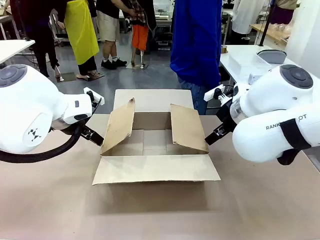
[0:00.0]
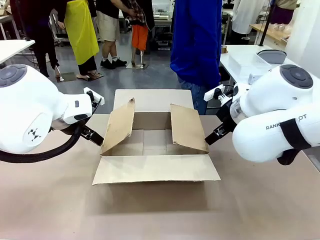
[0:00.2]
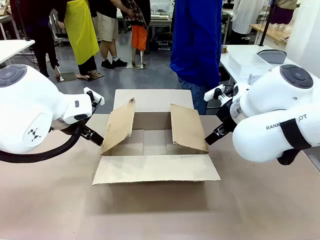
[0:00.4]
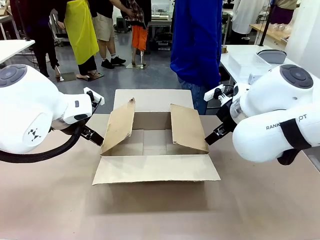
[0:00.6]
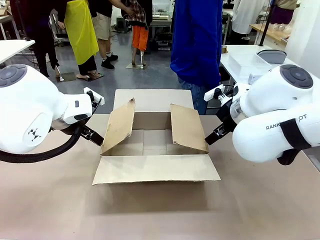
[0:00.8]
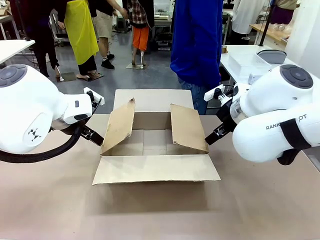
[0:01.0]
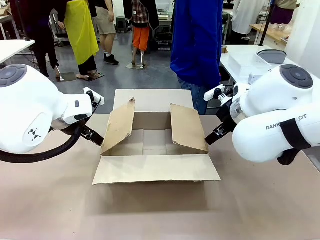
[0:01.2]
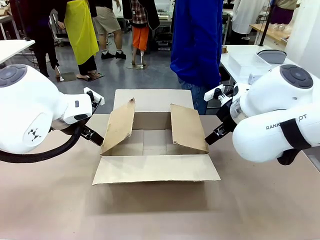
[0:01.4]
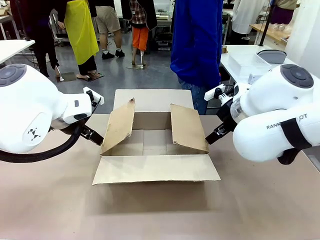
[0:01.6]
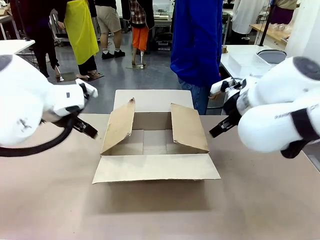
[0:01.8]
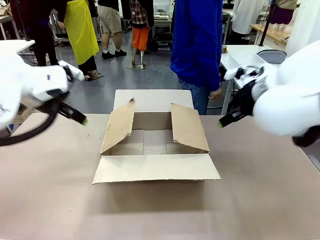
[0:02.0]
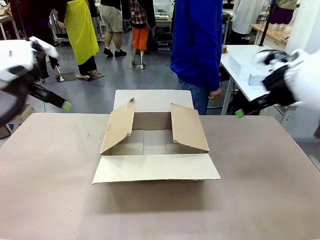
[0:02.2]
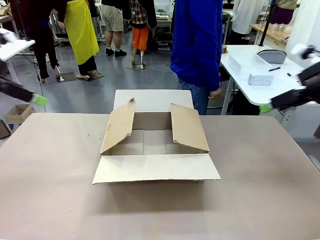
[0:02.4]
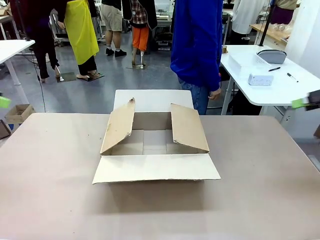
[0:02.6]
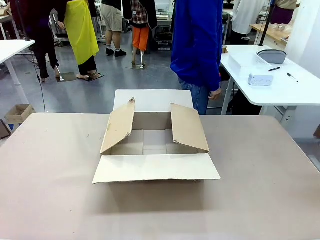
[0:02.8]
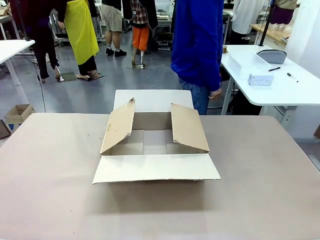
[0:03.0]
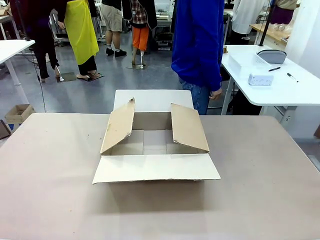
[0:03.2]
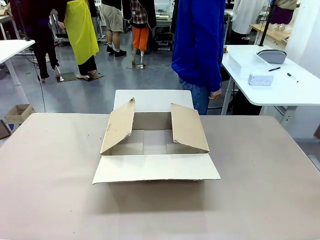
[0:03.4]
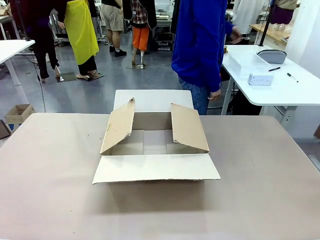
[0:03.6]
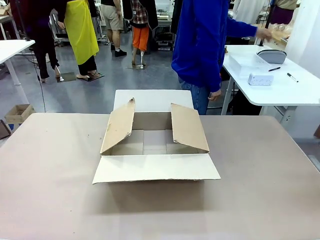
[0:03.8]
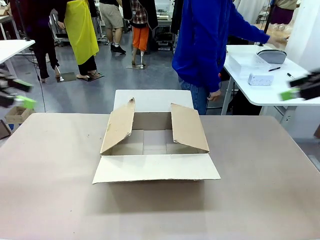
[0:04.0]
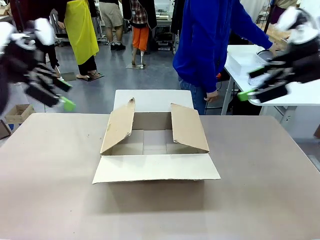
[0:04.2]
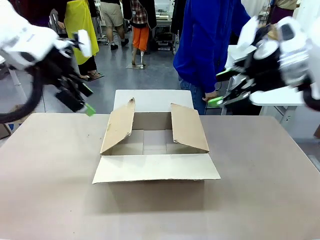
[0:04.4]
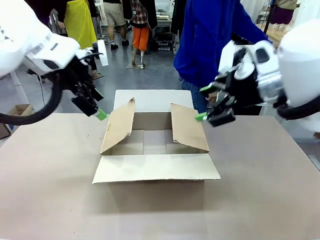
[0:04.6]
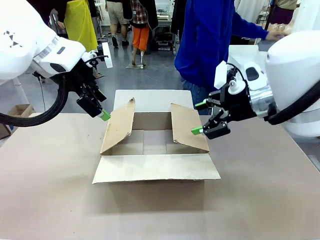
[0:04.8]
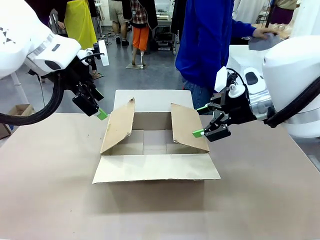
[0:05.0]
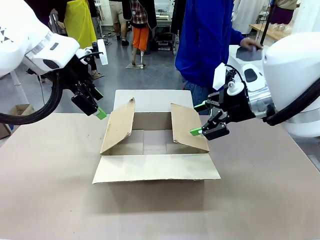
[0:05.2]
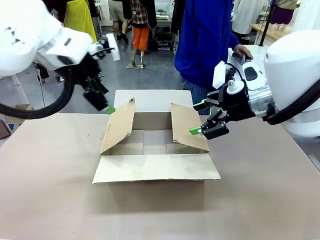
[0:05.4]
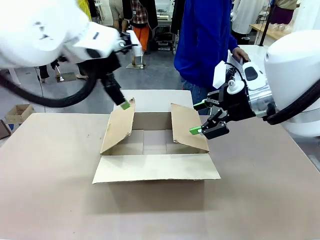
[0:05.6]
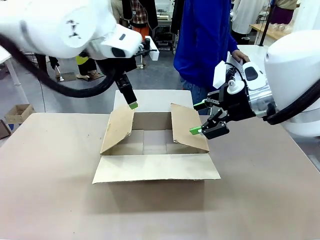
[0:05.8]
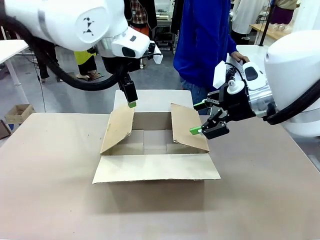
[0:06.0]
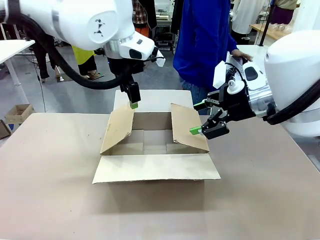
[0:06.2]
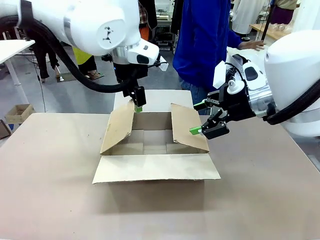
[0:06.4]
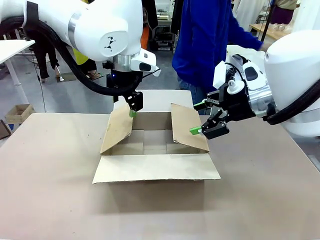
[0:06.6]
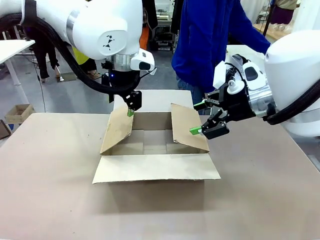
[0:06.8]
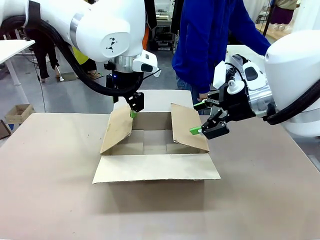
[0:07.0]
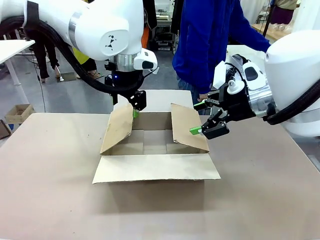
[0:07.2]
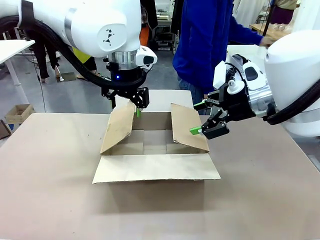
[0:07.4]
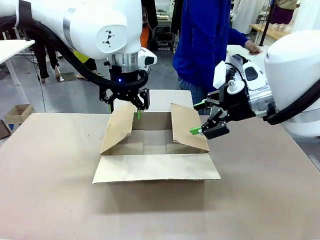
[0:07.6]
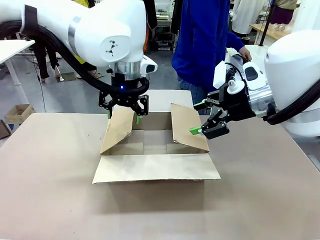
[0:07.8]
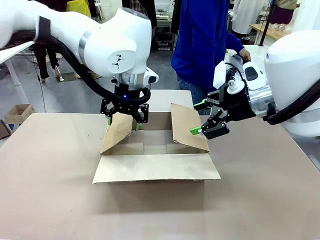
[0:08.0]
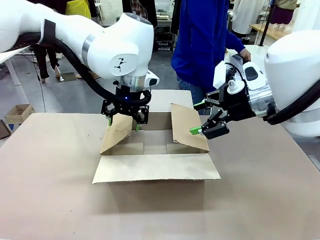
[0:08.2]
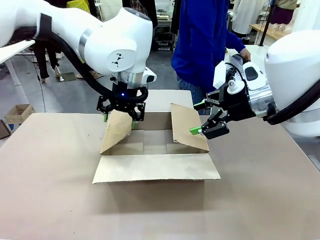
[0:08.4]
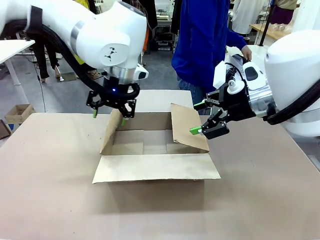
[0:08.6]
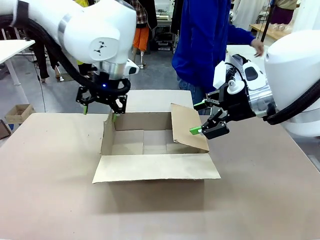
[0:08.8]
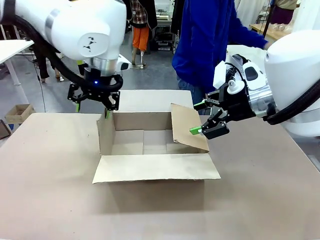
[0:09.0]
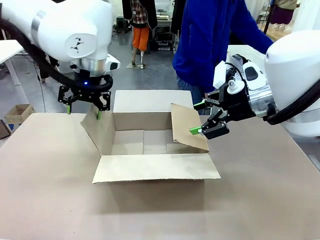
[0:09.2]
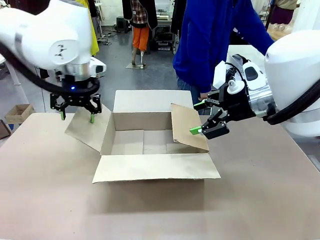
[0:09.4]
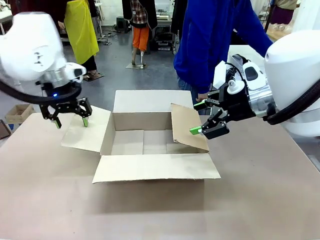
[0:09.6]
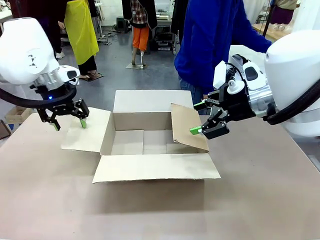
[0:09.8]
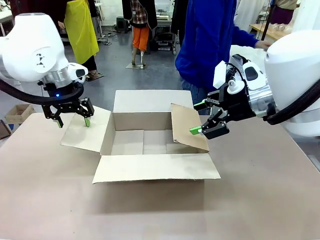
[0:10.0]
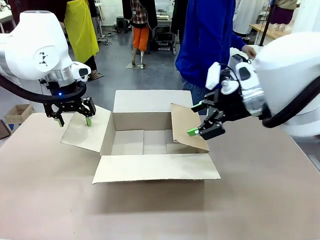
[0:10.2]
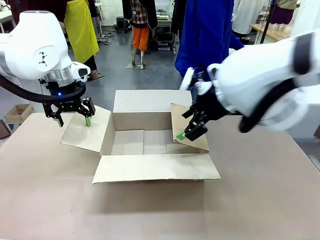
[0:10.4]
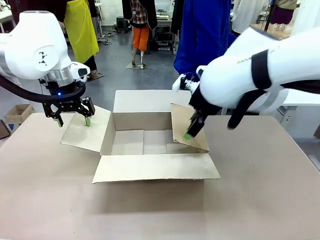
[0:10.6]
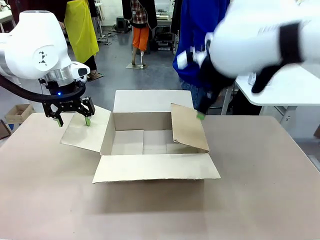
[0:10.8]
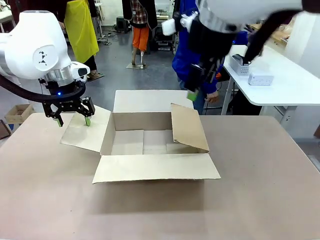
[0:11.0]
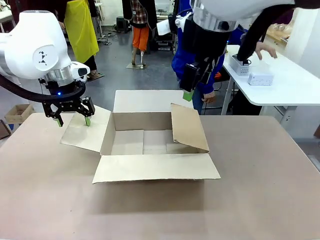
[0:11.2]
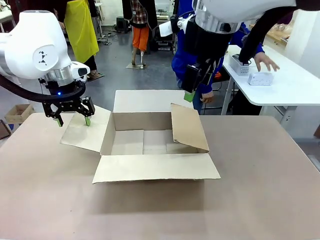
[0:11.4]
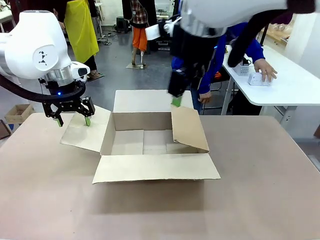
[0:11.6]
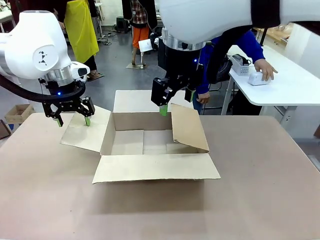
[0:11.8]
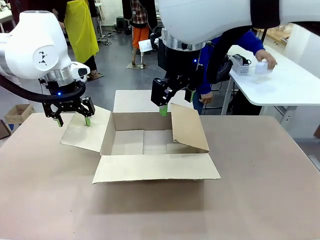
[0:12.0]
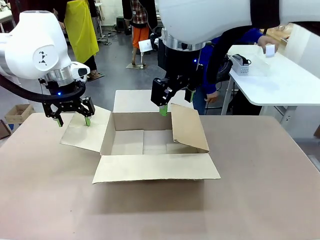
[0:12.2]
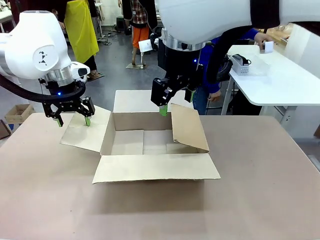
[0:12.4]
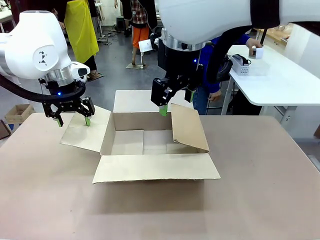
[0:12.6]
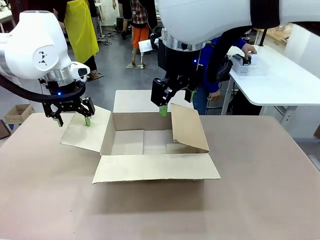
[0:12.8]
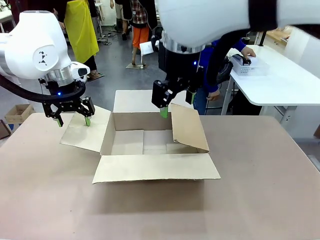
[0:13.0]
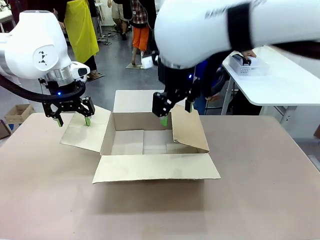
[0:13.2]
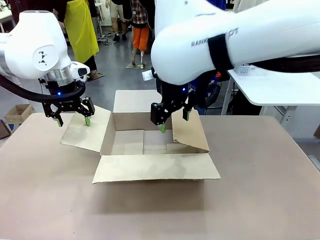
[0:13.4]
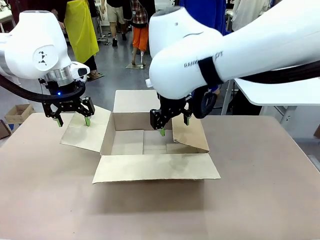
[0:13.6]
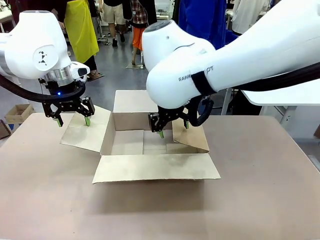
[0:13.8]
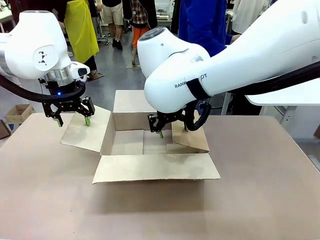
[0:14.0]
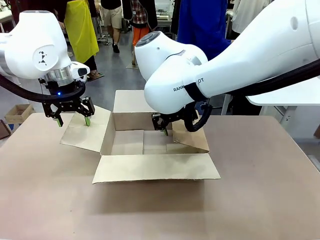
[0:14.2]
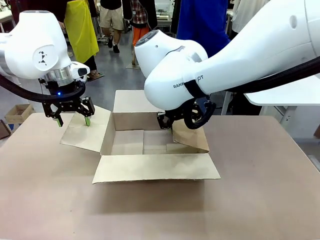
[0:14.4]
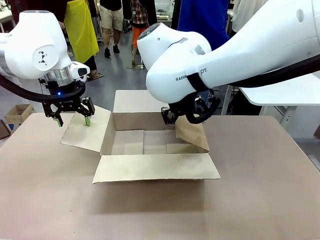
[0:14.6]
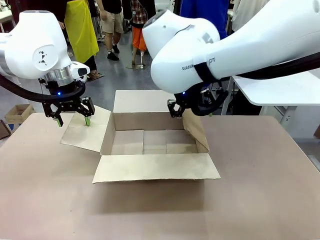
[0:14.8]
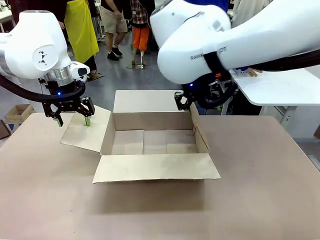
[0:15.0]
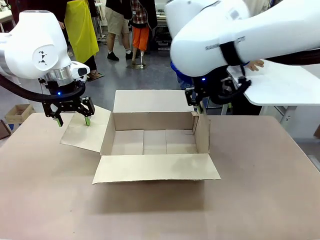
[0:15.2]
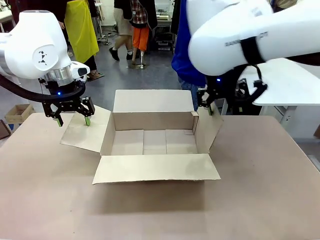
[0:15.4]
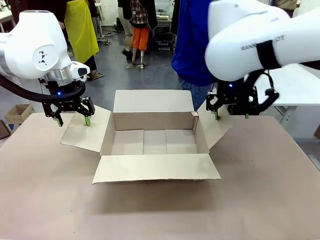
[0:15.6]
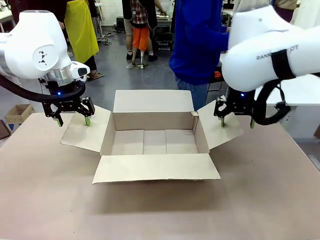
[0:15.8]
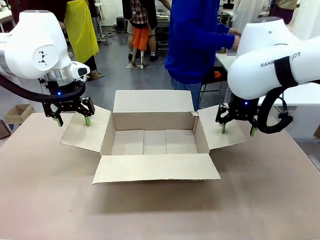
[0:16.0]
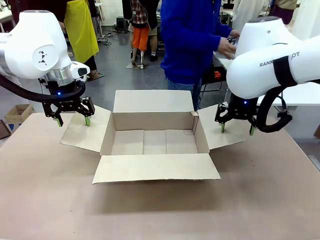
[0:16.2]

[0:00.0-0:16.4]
Task: Pack the gift set into the box.
Robot: Place both hands on the side flaps of the Package Box and spread them outward.
Person: The human places all items except the paper tape into the organizing basket.

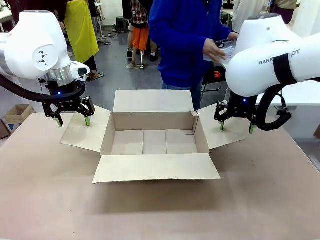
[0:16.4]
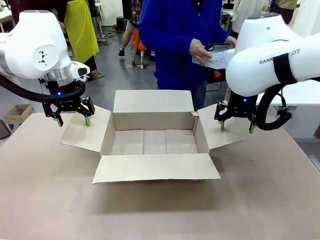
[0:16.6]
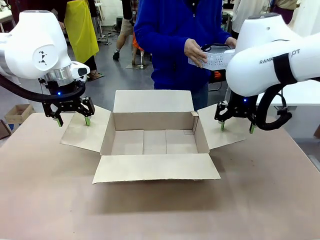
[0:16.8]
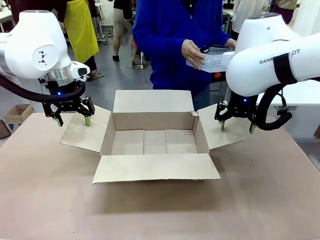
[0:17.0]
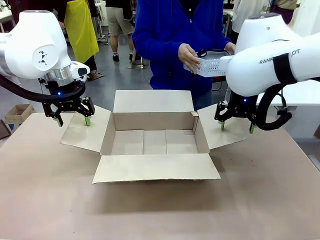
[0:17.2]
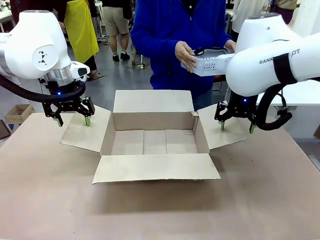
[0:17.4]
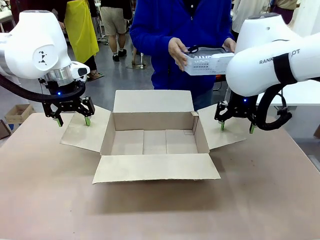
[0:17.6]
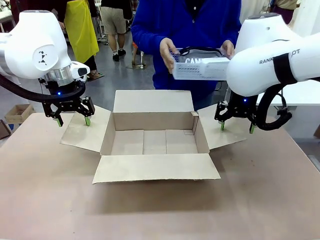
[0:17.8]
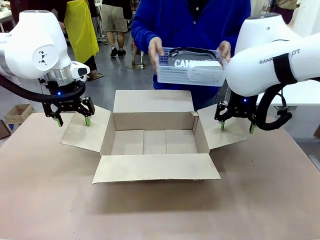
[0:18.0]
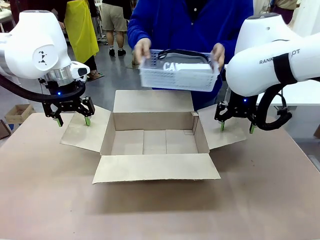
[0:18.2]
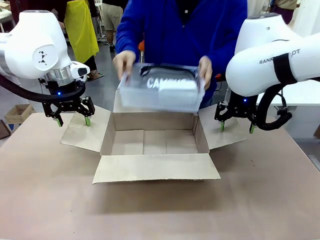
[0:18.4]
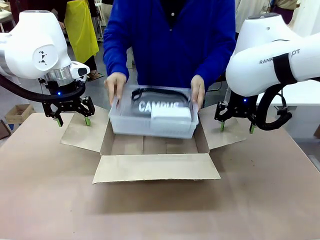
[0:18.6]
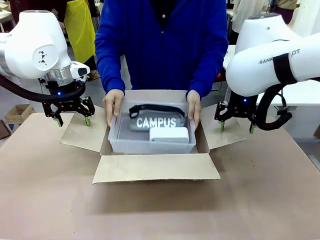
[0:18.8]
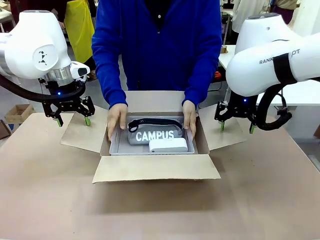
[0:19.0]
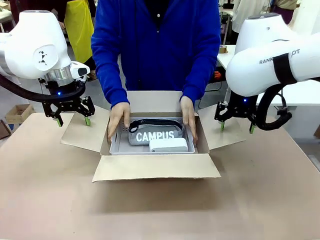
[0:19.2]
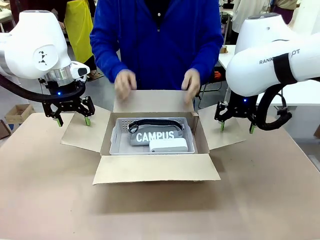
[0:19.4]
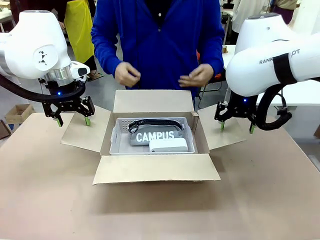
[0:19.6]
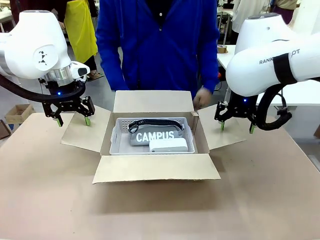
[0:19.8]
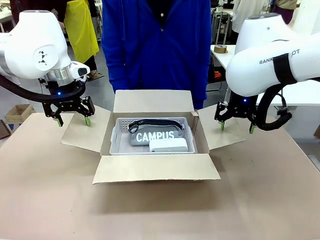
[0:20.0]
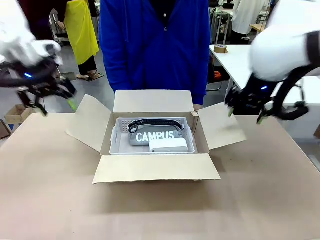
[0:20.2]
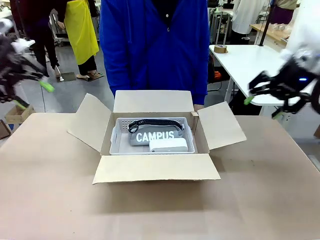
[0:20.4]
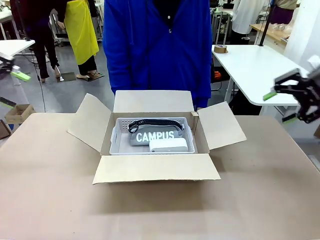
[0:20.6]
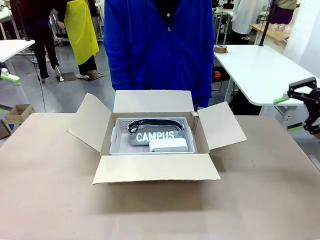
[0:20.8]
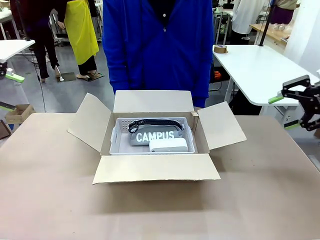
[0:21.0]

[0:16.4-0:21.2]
Robot: Lift both hands away from the flaps of the Package Box.
Person: The human picks up the organizing basket and places the organizing basket into the package box on the robot table.
